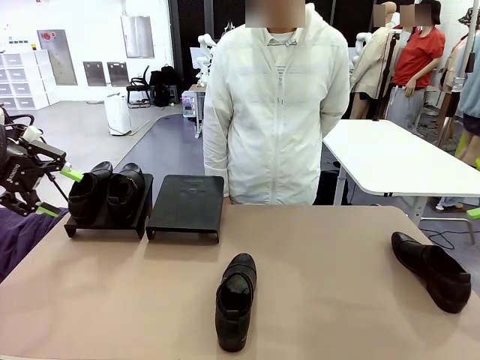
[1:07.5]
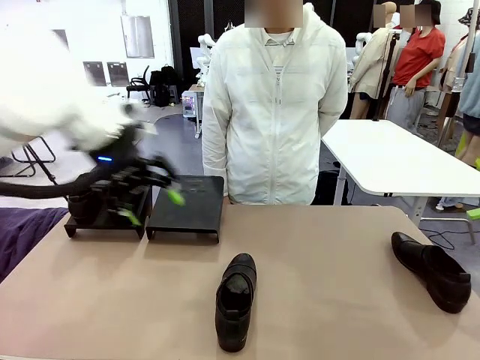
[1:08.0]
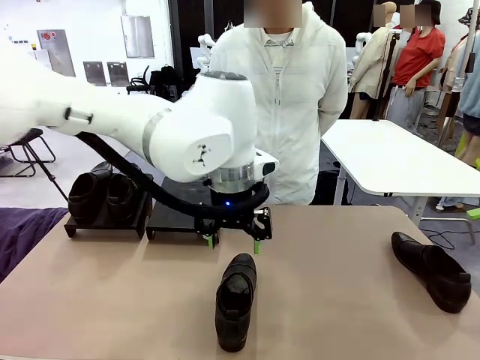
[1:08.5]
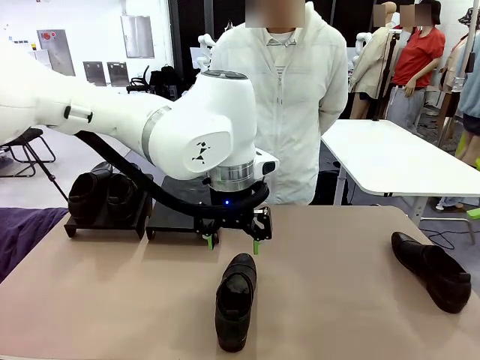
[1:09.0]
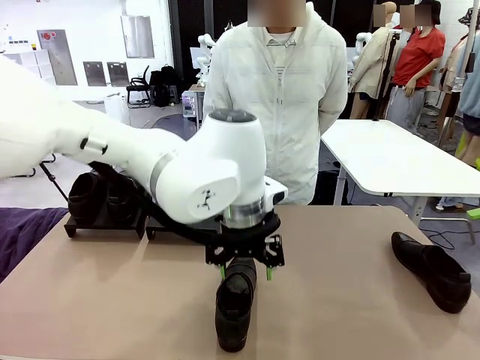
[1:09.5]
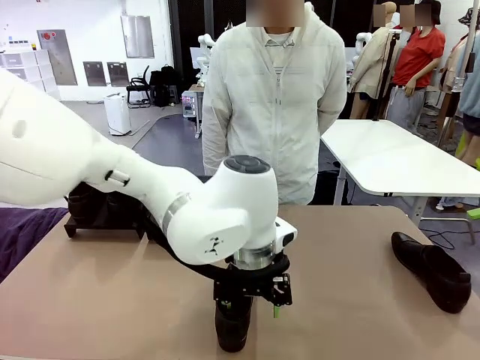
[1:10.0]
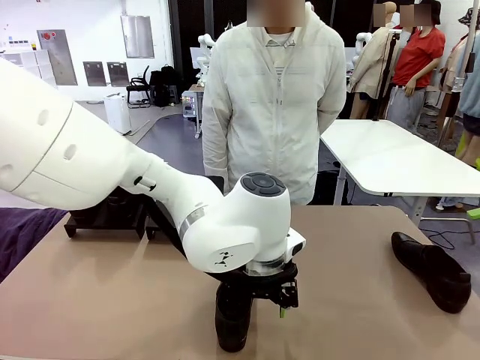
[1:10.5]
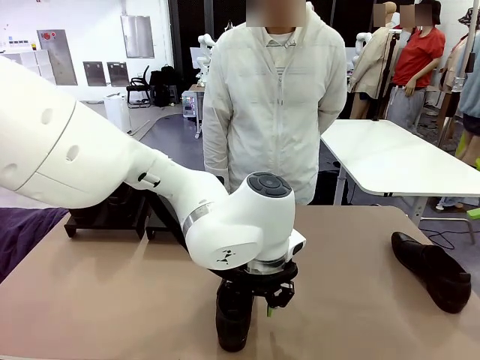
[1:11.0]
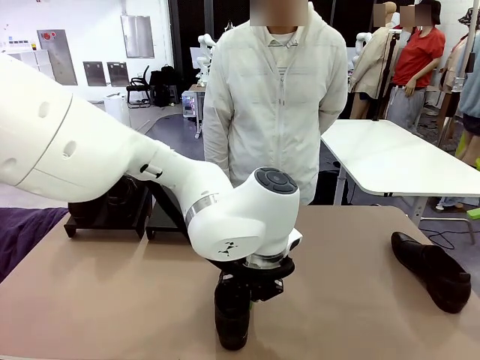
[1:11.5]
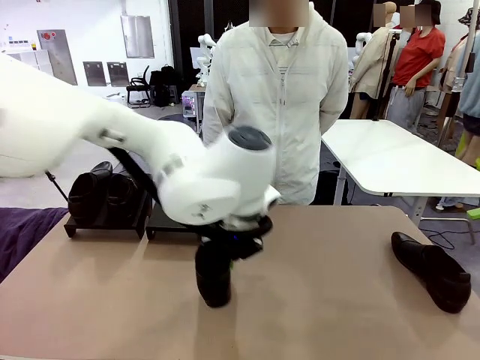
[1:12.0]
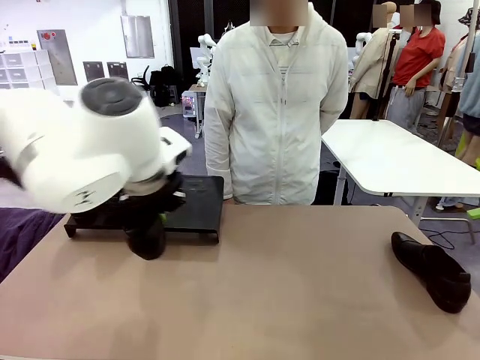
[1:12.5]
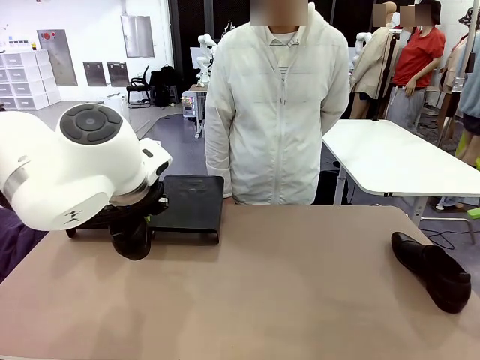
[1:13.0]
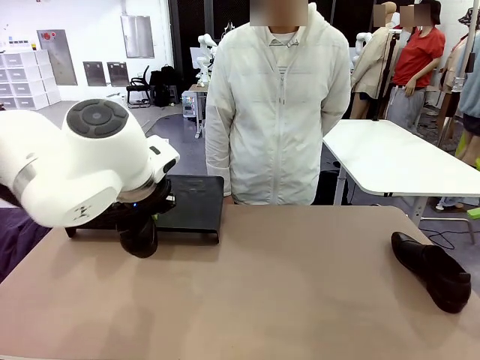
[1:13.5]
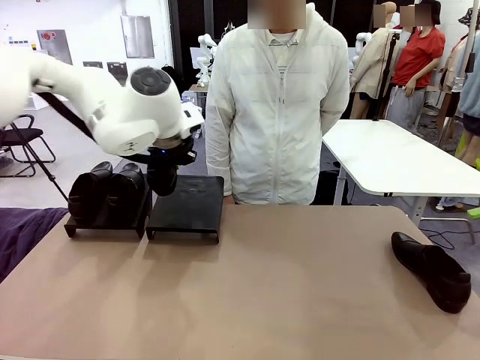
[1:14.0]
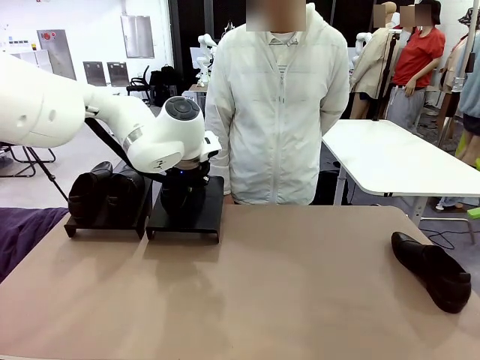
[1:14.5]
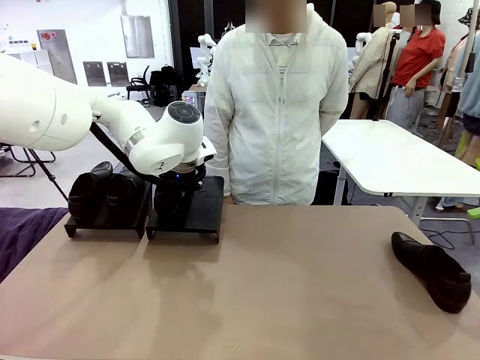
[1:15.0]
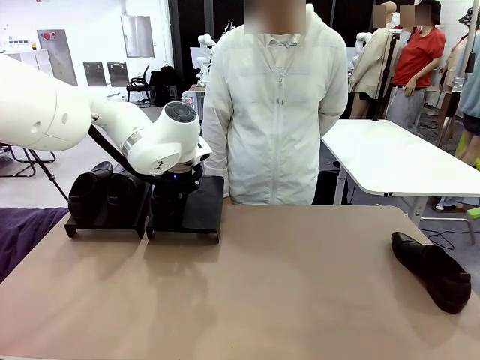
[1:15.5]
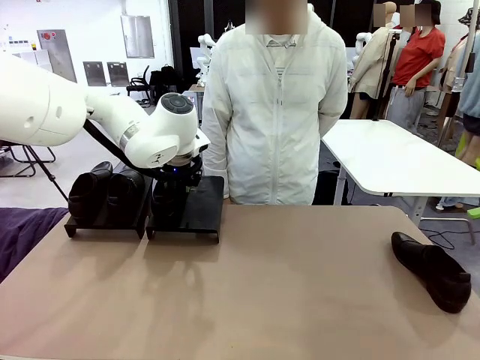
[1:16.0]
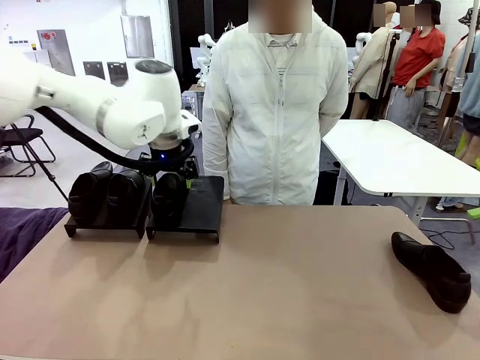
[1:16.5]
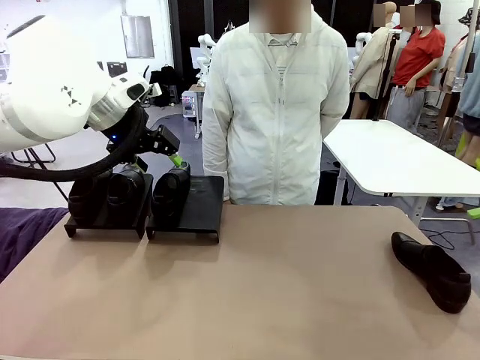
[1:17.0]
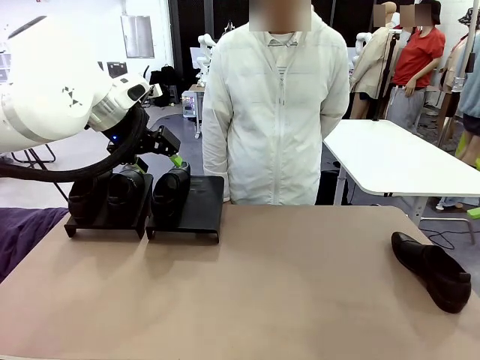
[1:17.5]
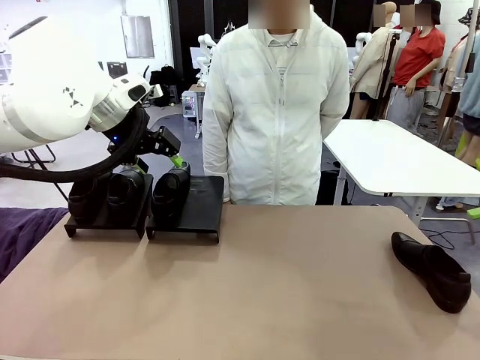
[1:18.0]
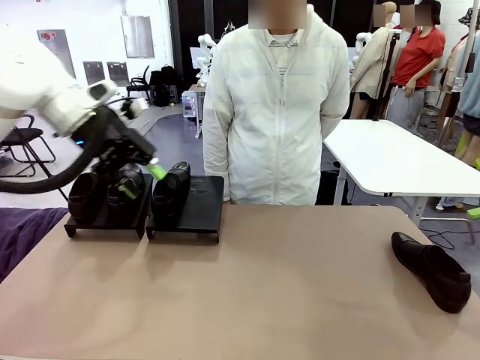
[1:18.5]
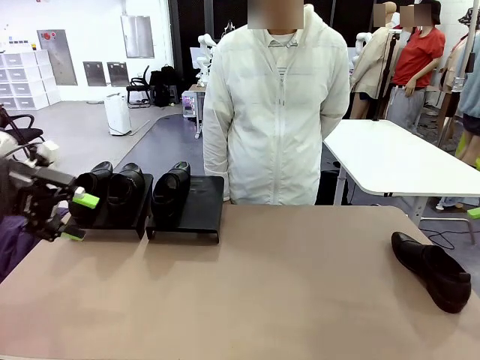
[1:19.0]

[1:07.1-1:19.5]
Task: Organize the shoes by placing them on the stand.
Robot: Place the Shoe from the middle of the table onto the Shoes Stand.

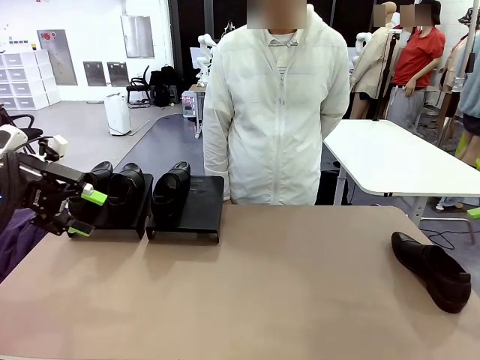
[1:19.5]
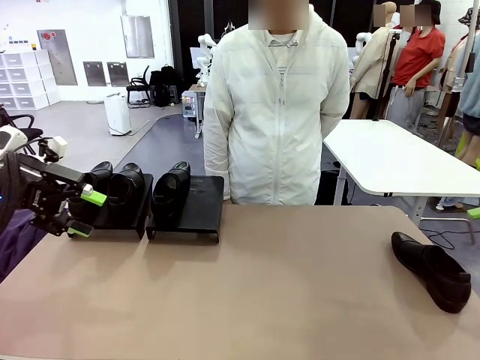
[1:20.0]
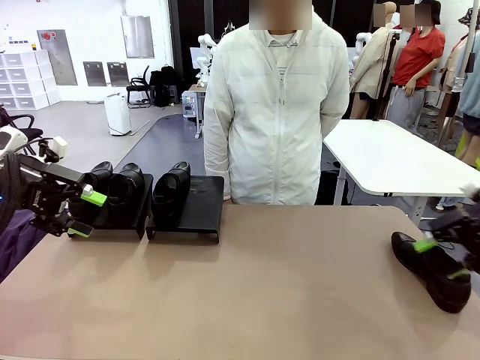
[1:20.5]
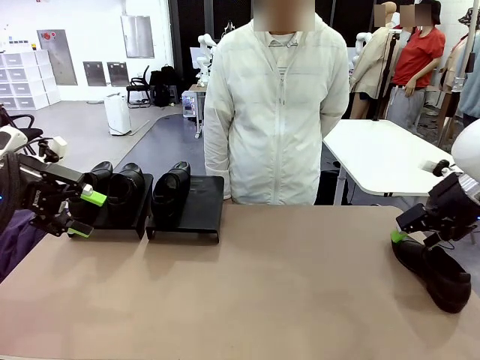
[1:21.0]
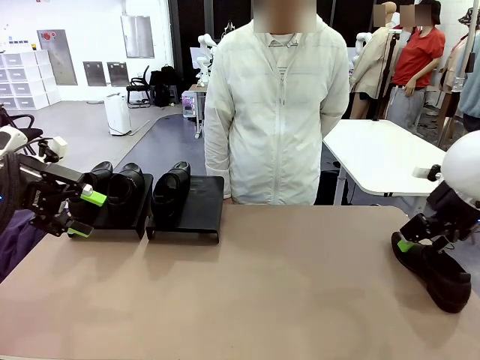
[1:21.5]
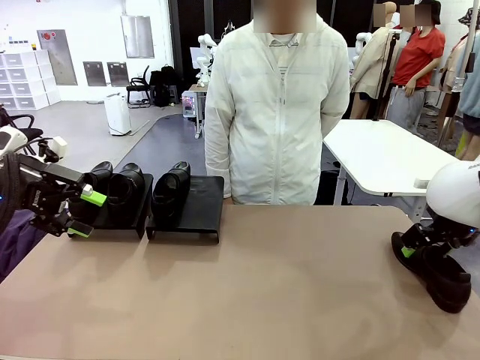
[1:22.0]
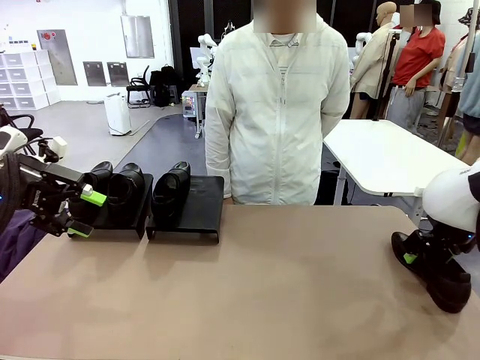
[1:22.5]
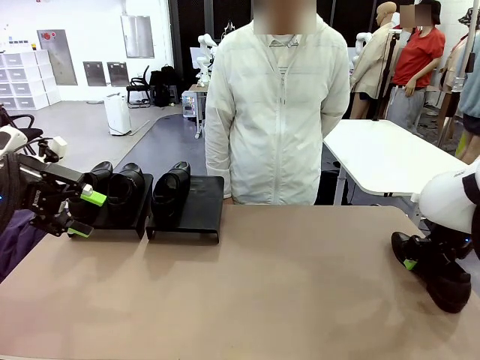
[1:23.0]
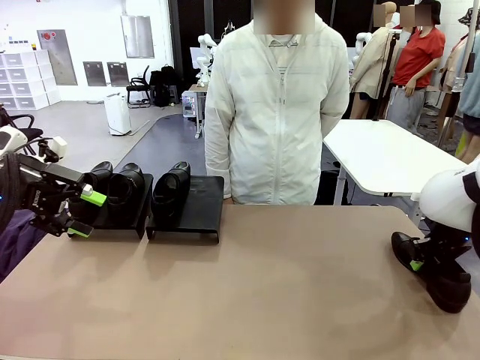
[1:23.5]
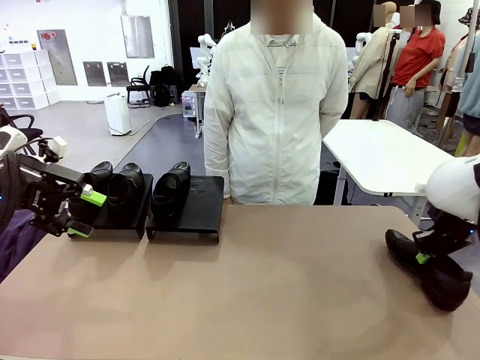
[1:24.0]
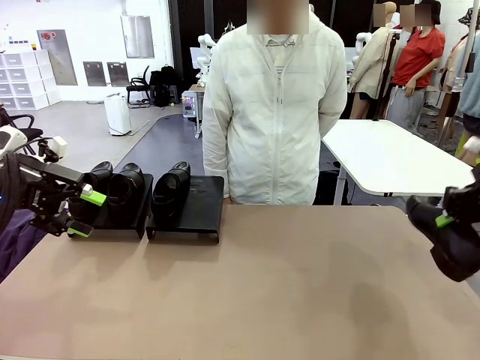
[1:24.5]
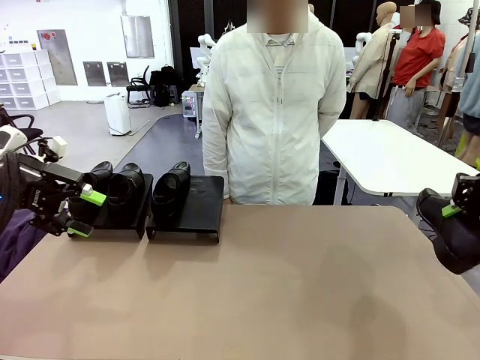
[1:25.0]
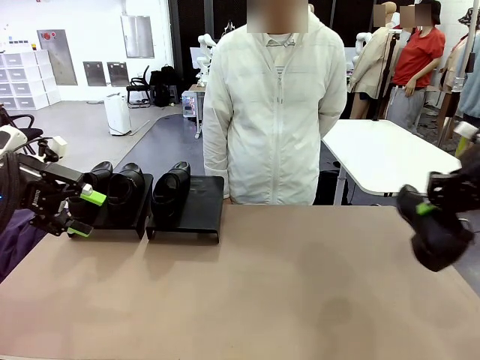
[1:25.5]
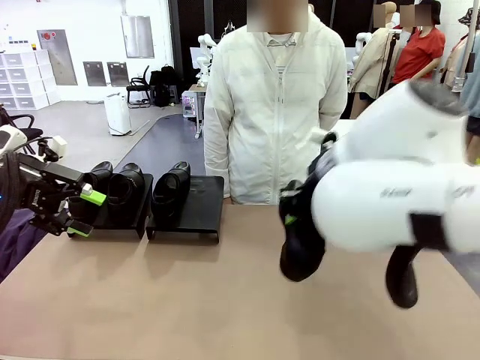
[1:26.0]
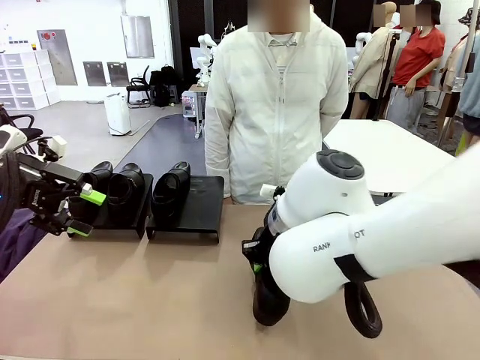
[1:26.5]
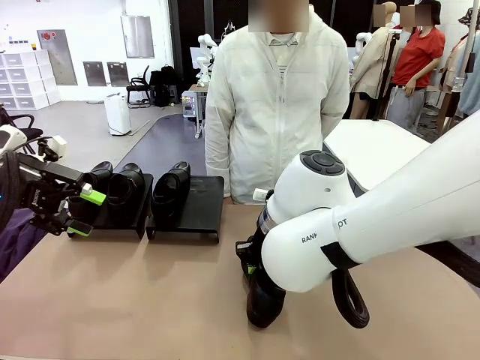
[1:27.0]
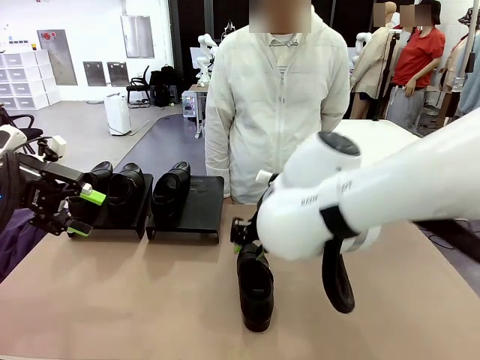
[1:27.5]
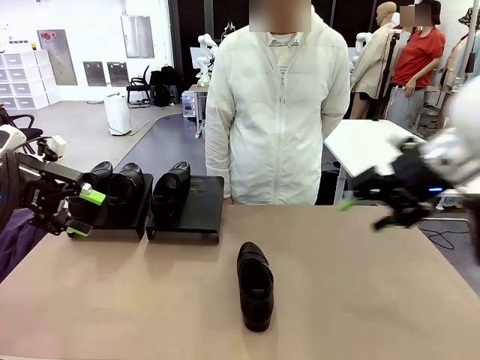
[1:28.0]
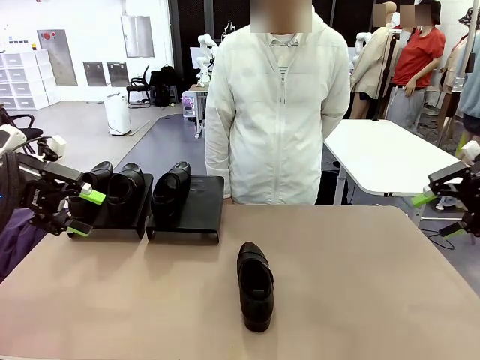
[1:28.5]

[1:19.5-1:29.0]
Robot: Pick up one Shoe and place it in the middle of the table.
